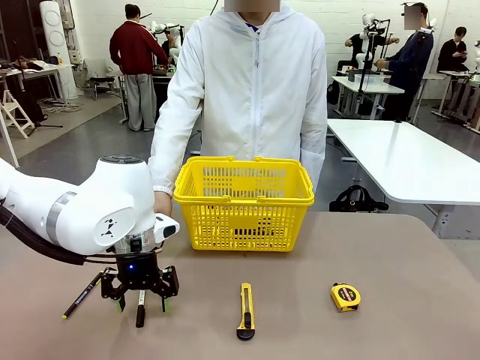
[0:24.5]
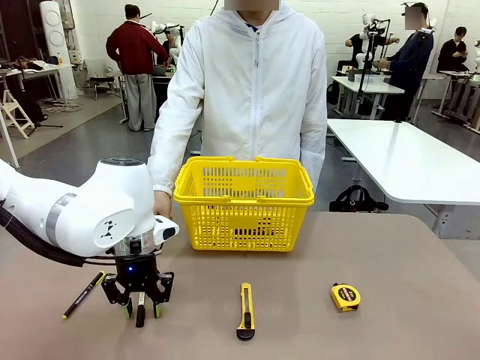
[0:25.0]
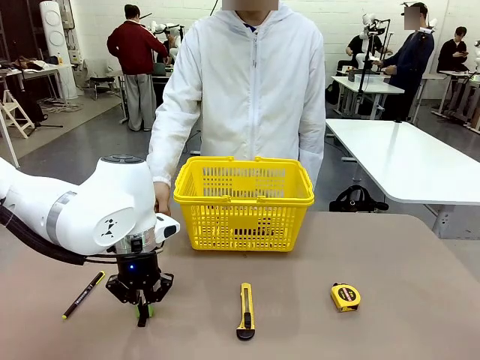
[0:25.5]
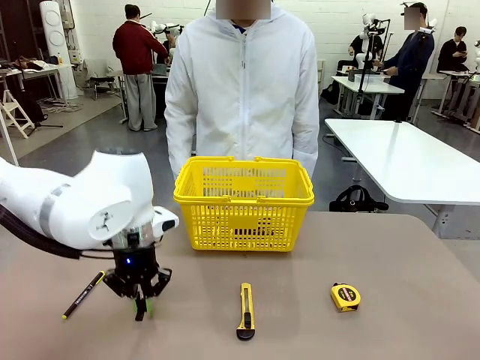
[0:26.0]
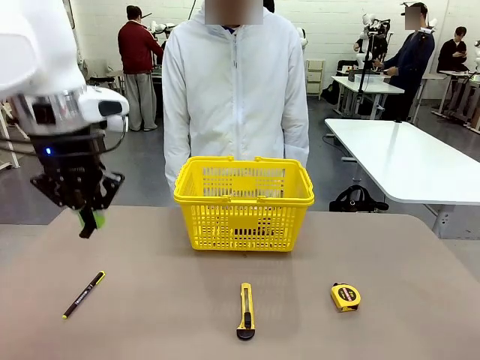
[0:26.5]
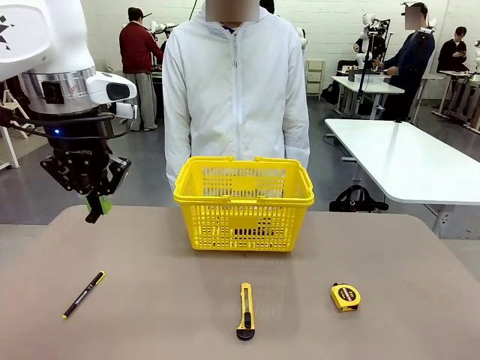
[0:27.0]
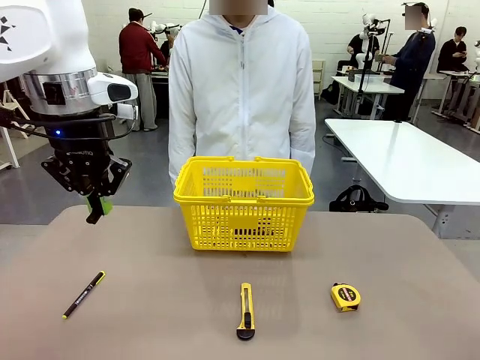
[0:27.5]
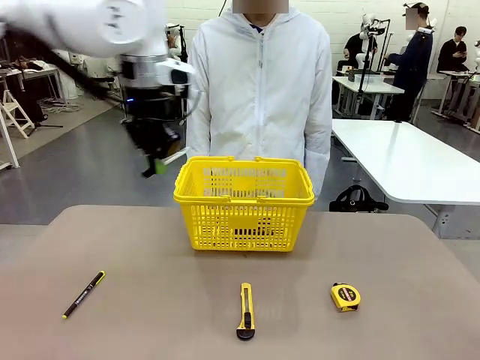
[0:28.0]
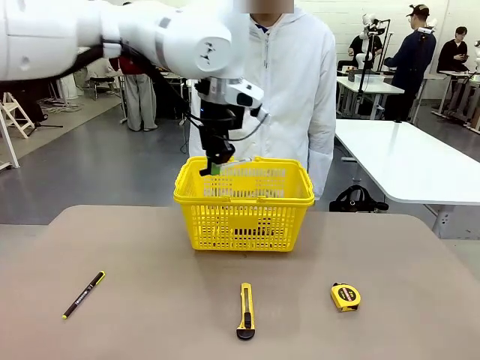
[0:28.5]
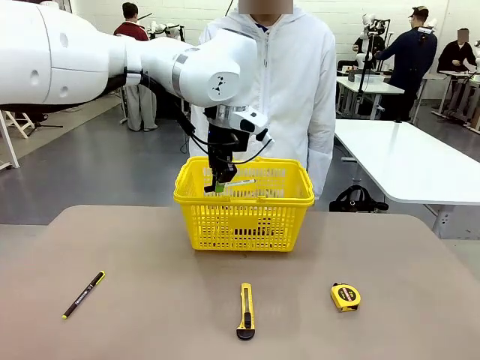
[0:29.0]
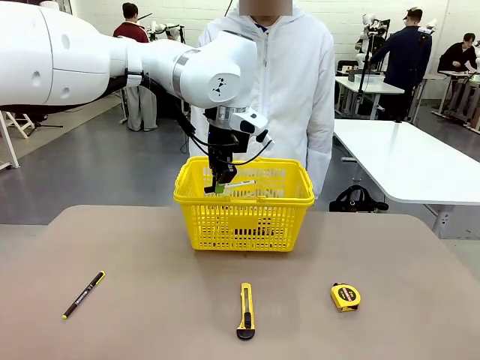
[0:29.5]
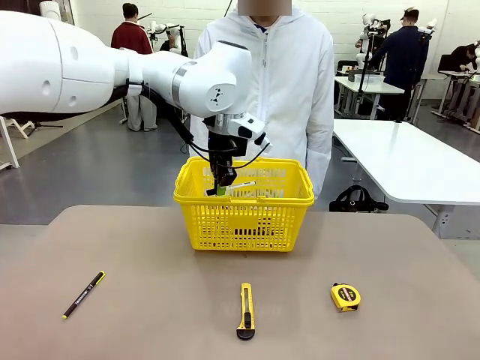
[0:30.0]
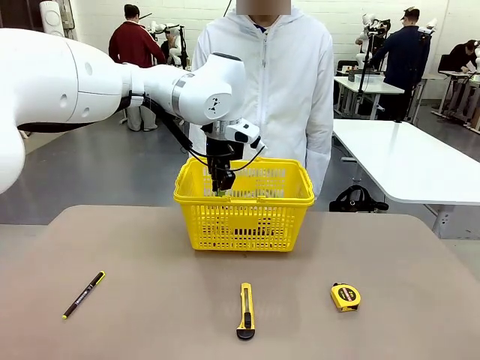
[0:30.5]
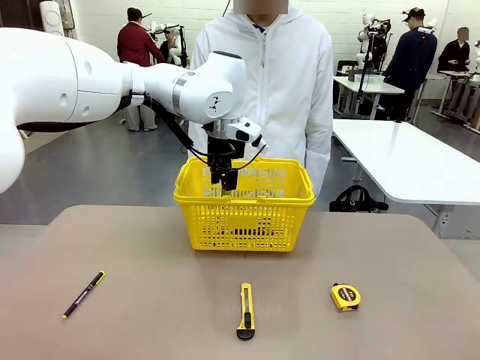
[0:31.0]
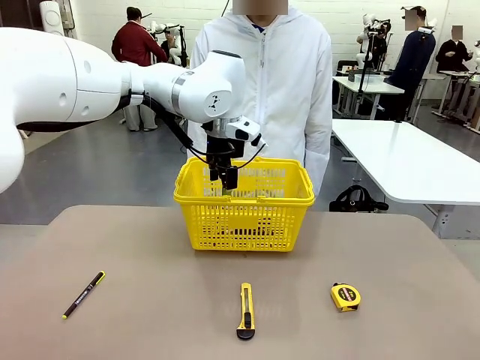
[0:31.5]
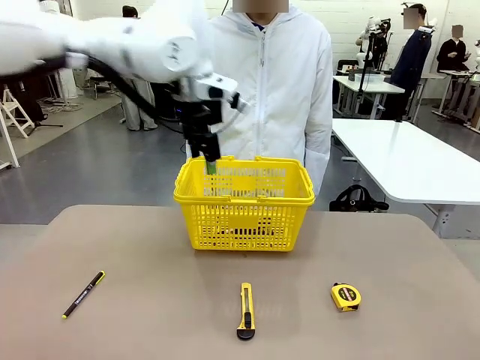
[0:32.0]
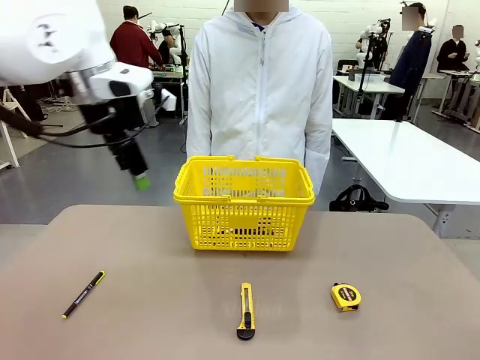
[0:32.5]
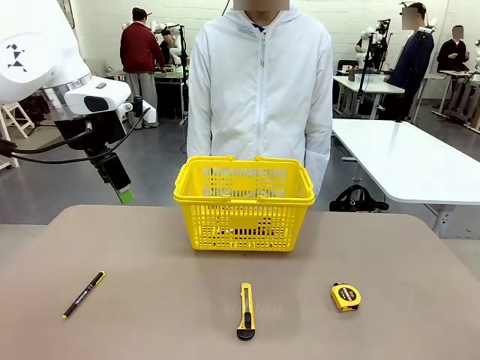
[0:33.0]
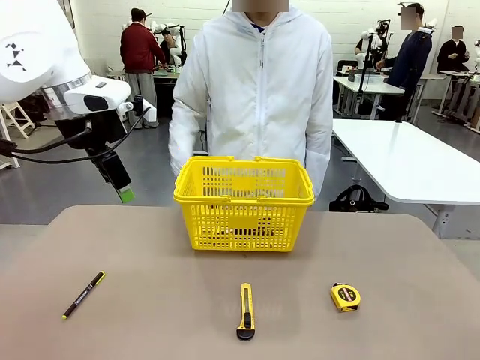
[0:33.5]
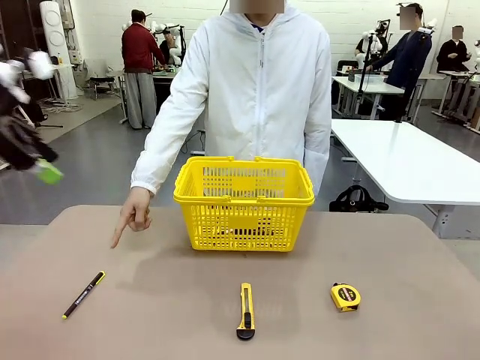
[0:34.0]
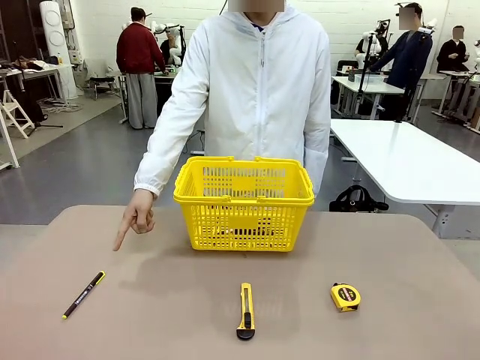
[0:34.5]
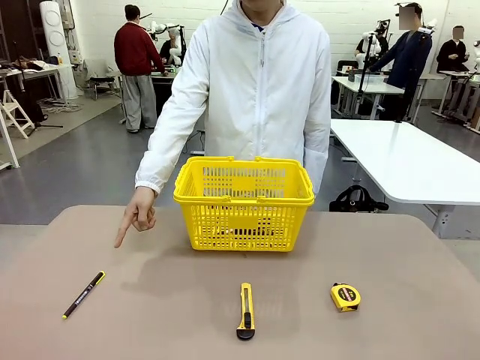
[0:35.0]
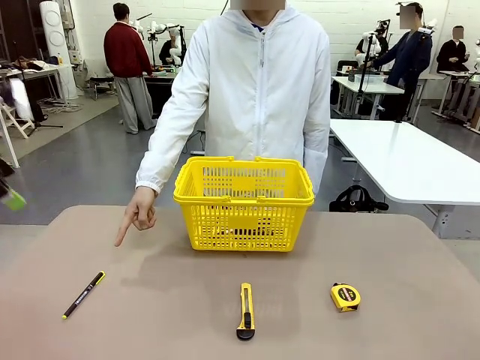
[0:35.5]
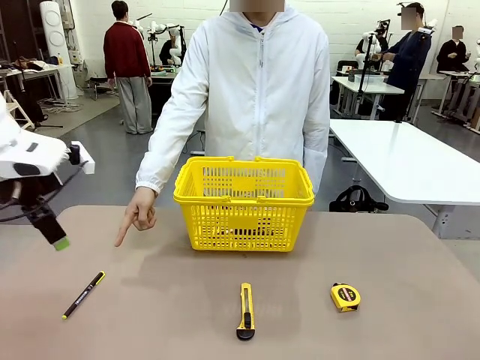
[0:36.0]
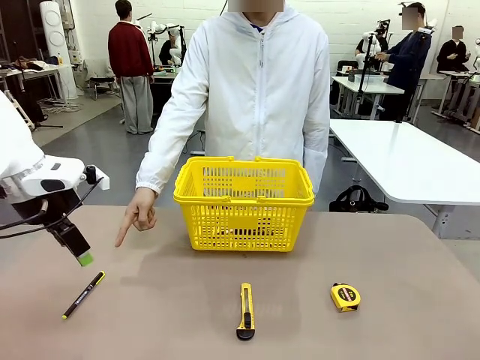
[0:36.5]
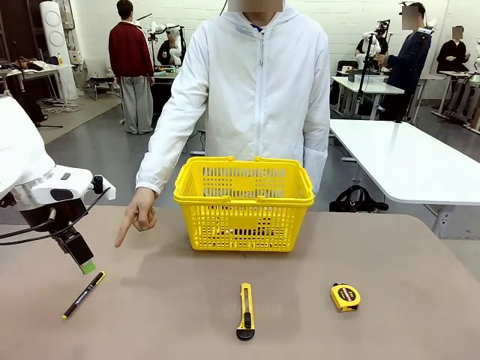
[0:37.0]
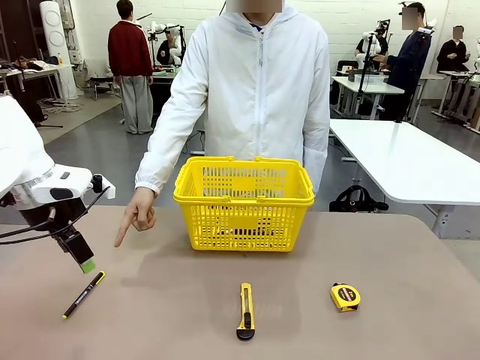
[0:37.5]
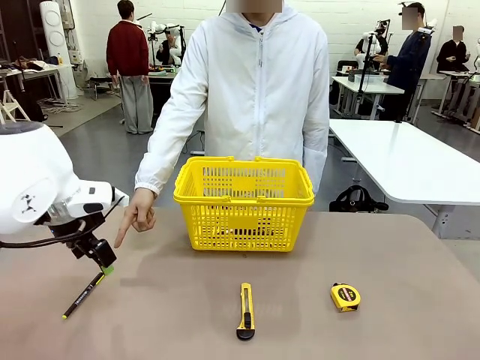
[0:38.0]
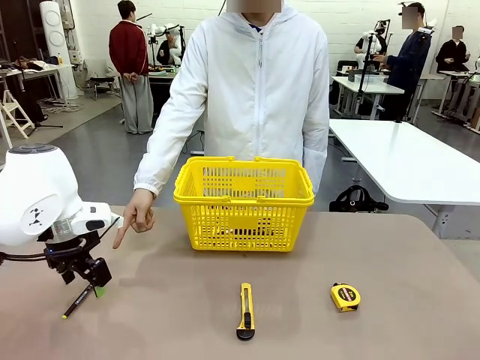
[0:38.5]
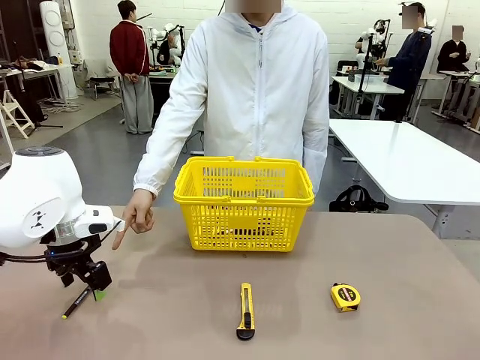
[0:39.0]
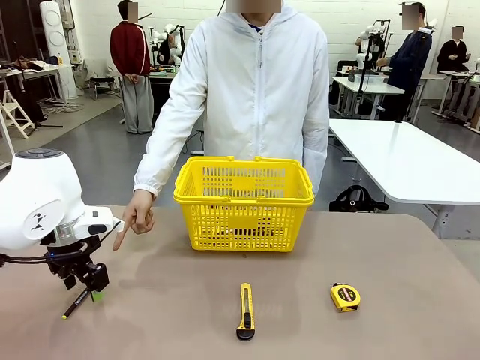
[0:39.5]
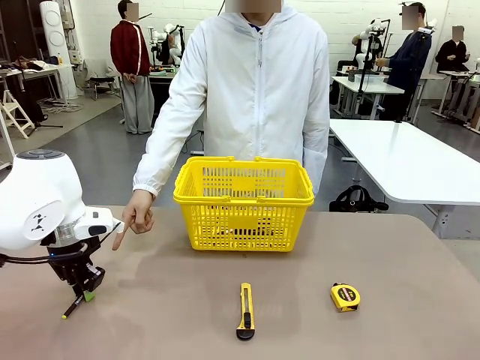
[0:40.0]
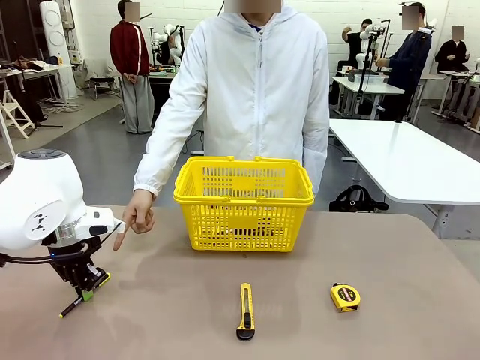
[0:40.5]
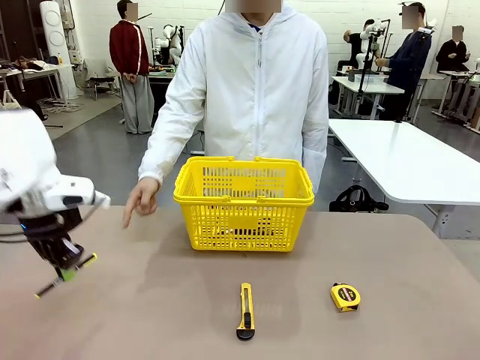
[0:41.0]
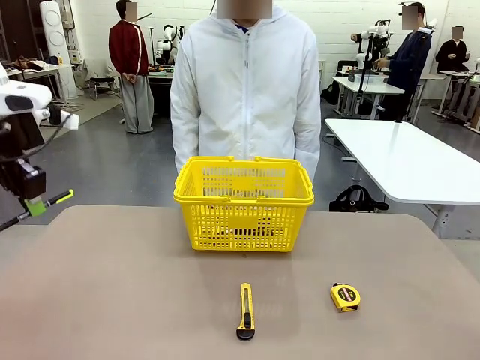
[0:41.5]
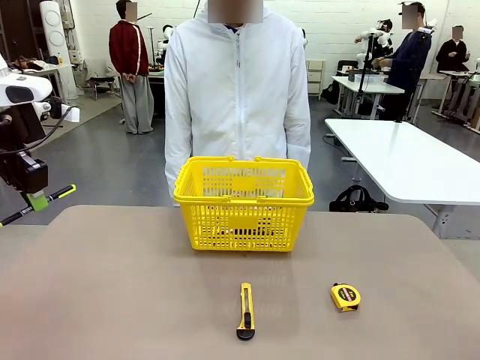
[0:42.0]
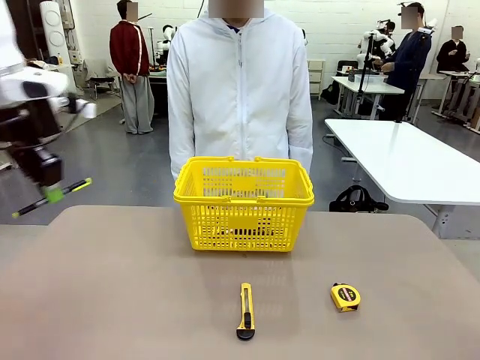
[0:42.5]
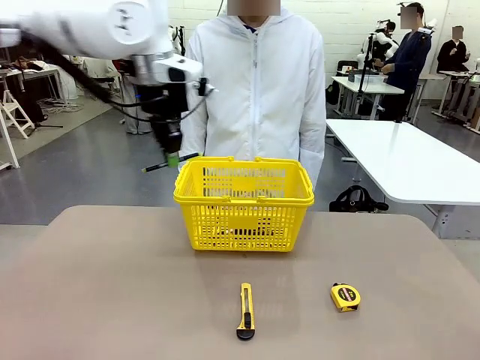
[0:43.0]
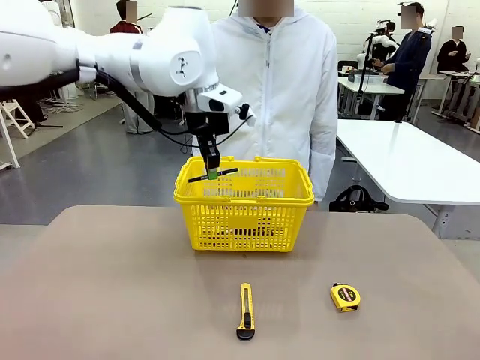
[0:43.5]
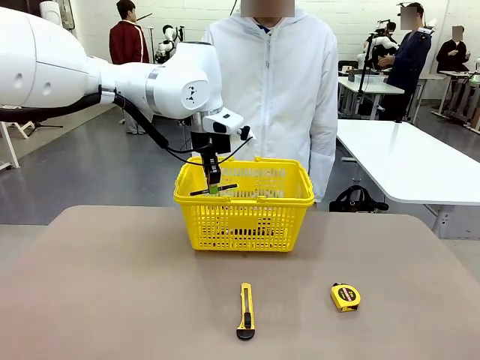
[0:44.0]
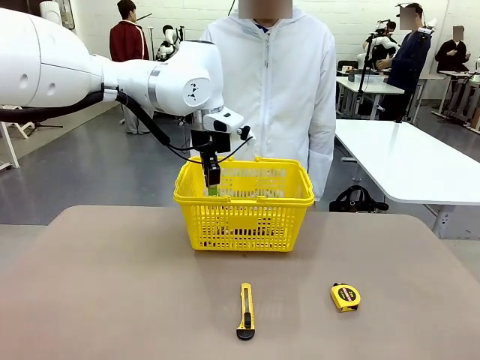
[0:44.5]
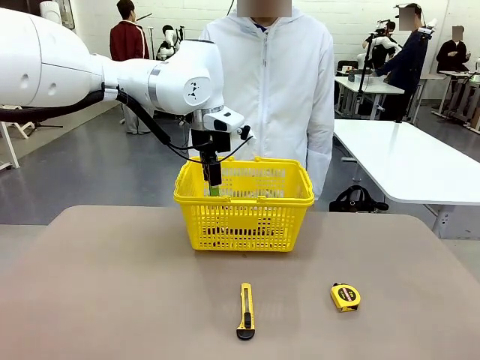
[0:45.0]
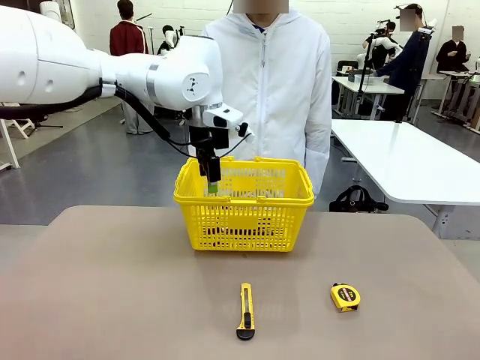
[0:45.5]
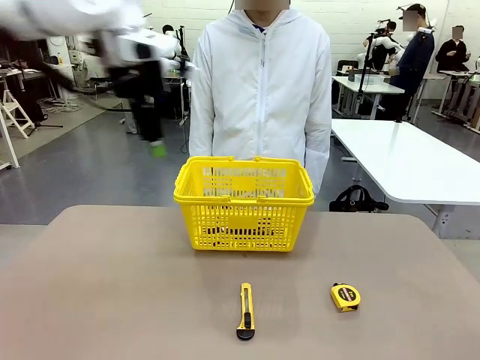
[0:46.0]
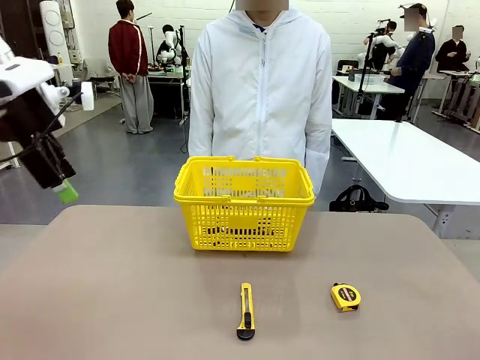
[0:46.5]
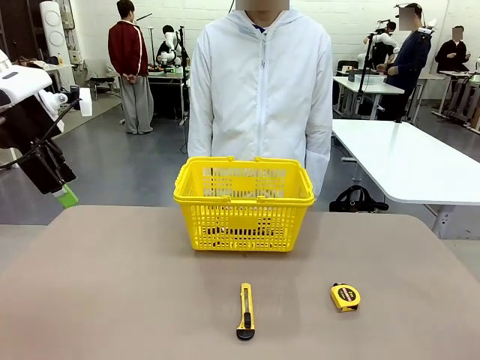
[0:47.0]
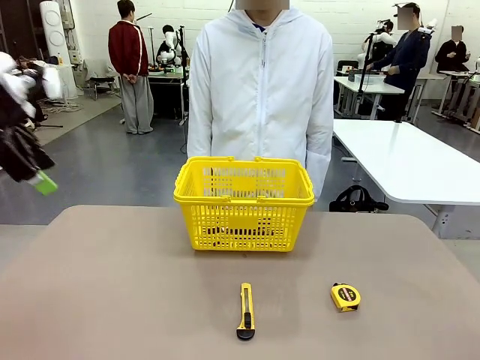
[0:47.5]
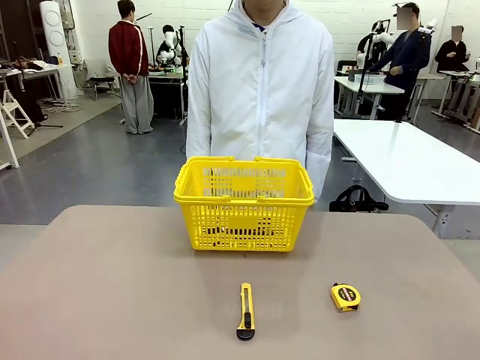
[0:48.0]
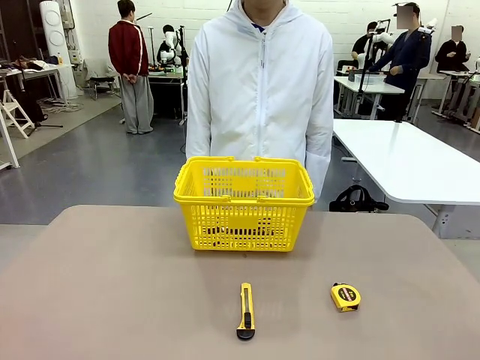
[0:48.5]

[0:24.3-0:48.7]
Task: Place the items the person wants into the basket.
Robot: Pick up the item the person points to and place it in the Market Basket.
Person: Point to one object on the table (excluding the basket).
